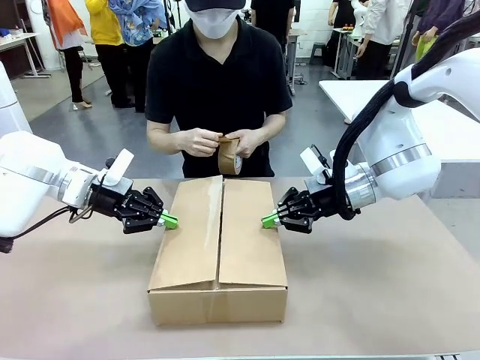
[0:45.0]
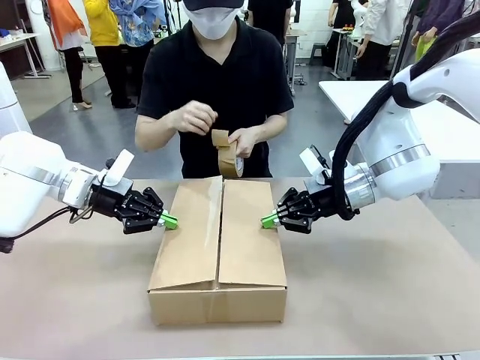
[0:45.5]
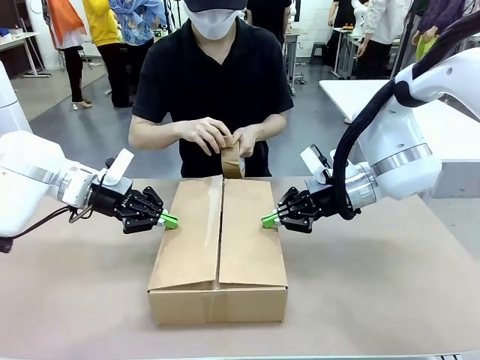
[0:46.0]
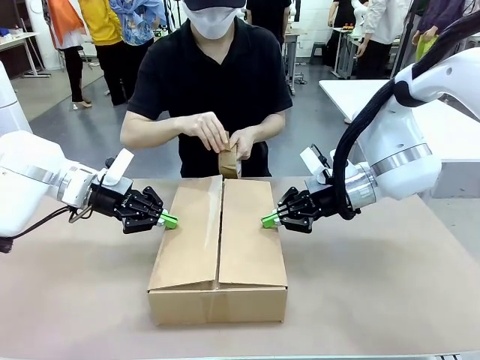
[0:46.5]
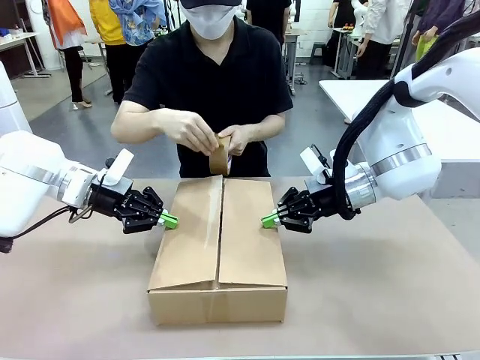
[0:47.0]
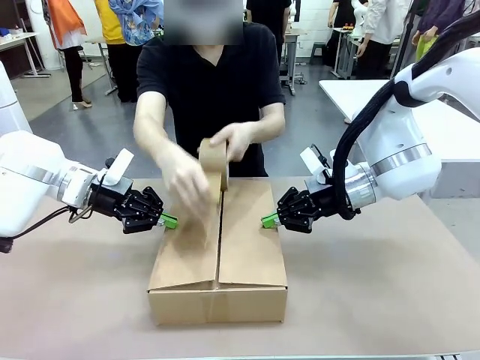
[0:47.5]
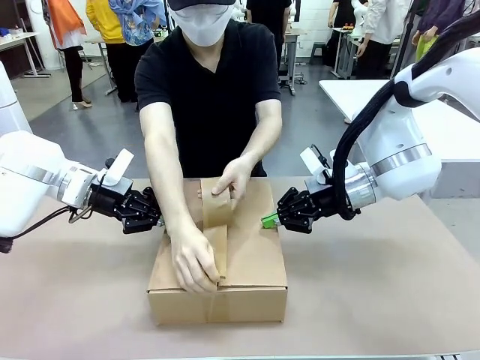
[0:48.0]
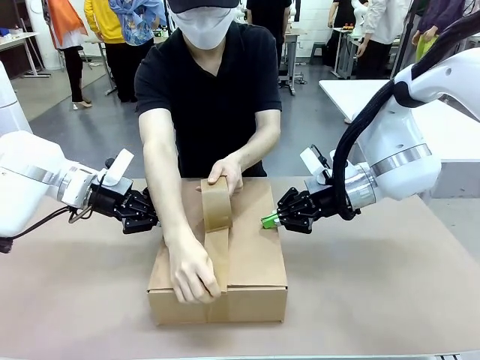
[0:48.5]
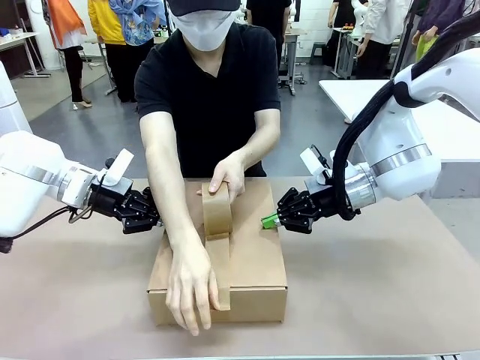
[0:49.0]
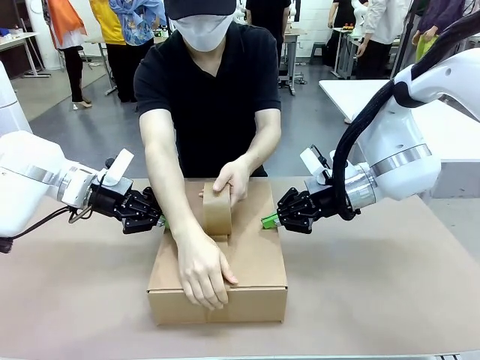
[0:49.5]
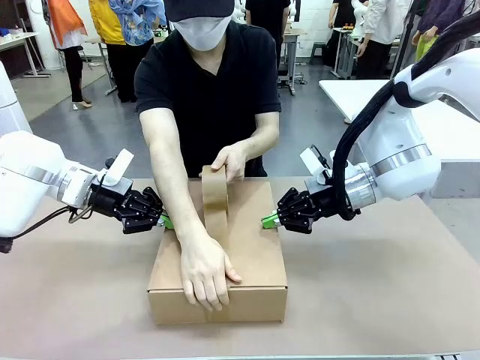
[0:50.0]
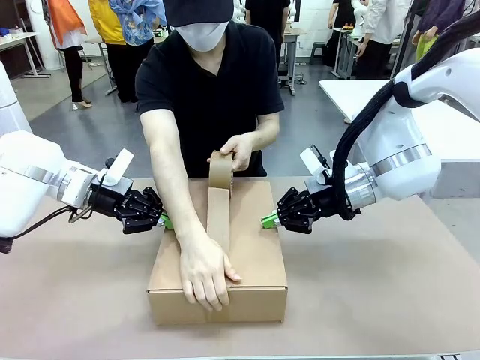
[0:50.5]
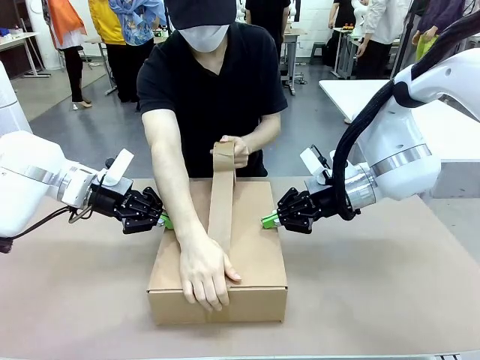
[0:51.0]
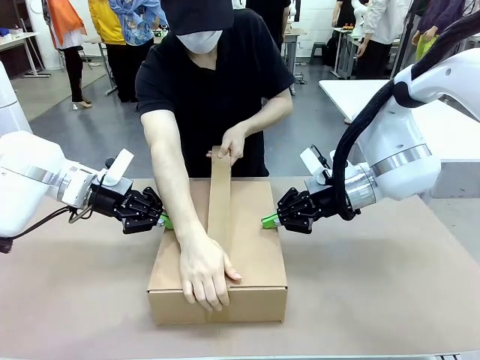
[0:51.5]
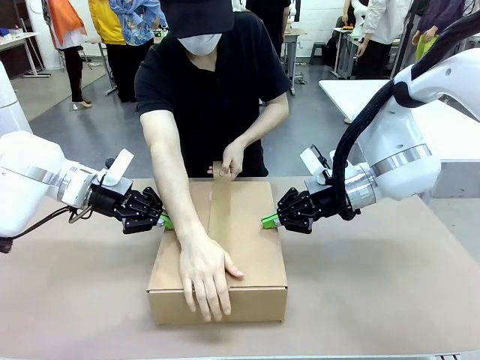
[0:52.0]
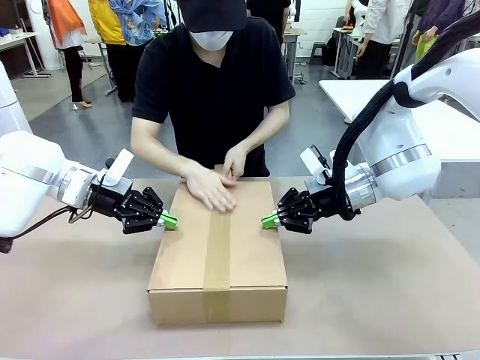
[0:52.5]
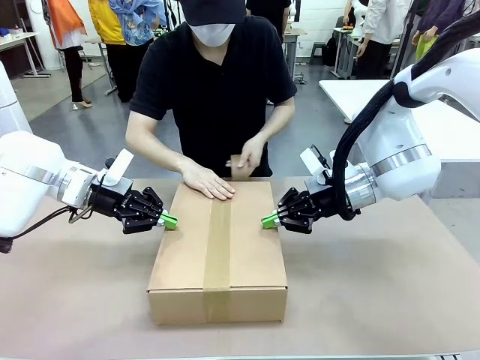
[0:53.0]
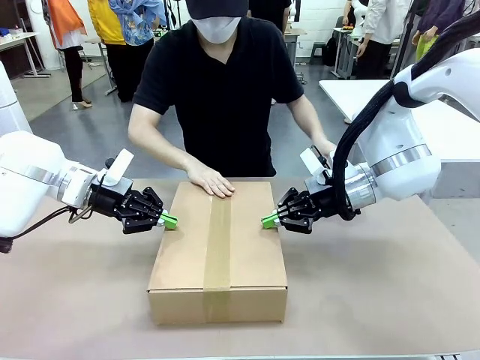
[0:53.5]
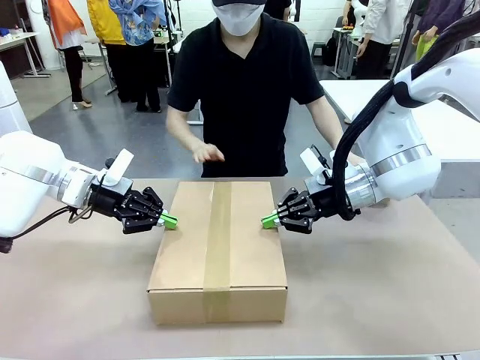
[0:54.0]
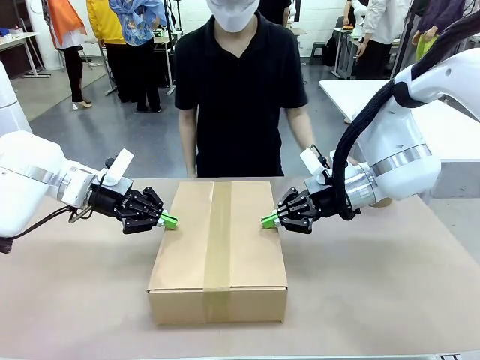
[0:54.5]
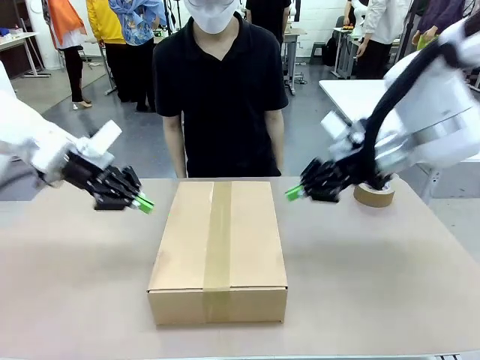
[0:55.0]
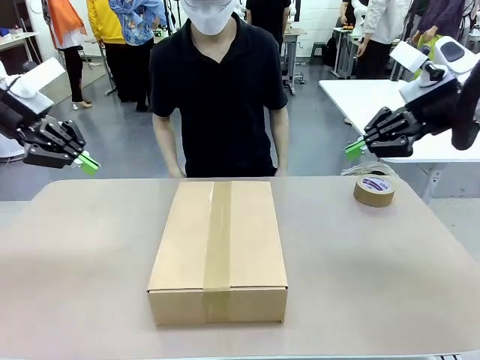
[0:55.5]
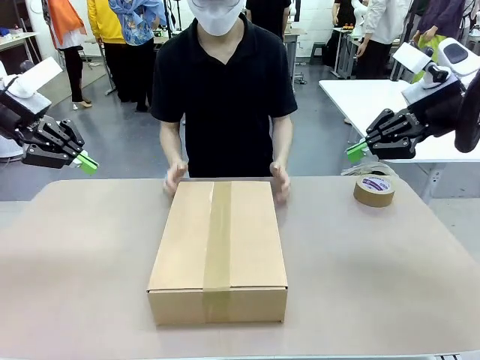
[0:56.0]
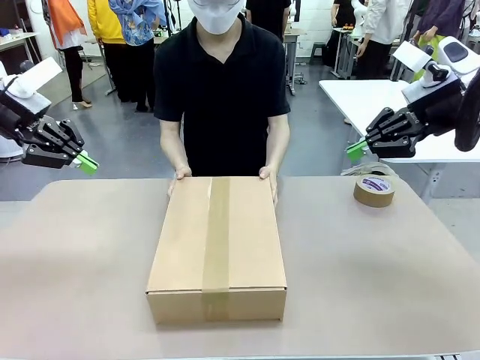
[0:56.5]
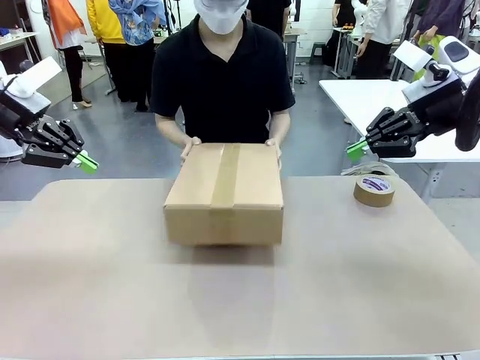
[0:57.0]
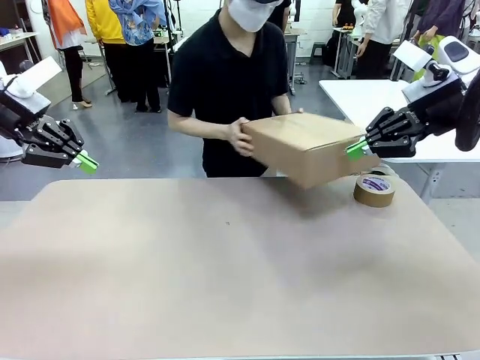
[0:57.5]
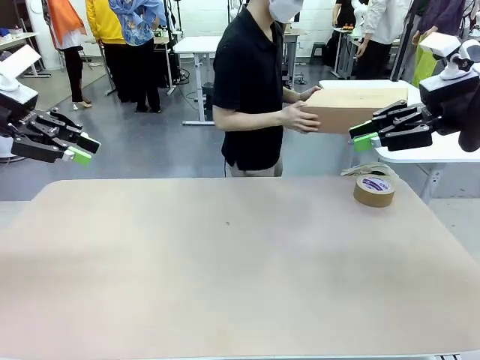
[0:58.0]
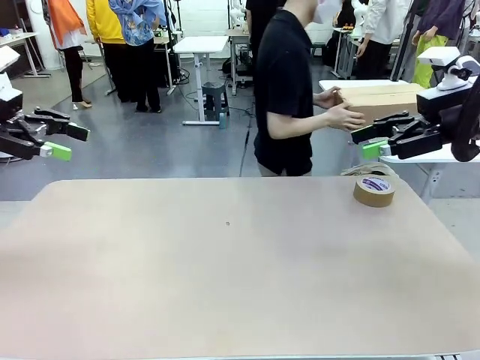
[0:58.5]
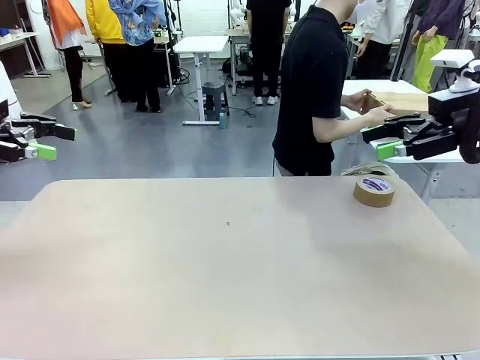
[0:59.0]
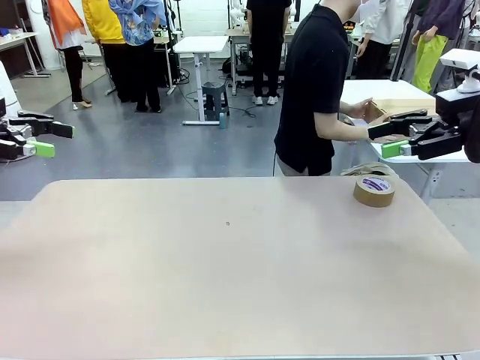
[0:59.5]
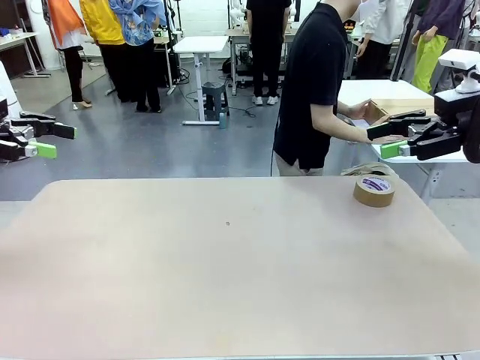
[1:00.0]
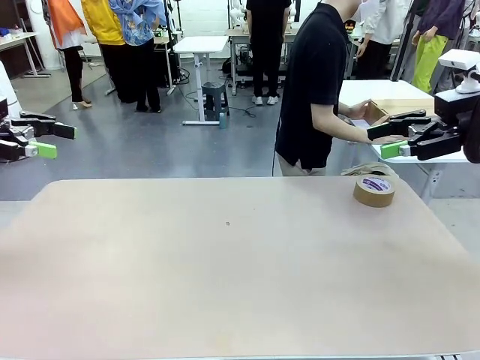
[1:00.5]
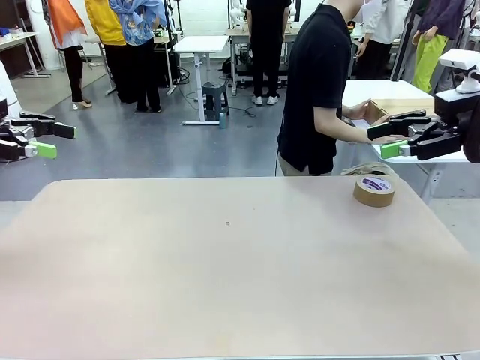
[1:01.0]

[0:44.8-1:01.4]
Task: Wrap the clocks to prevent damage.
Robot: After the human seals the box with tape, release both hands from the side flaps of the Package Box.
Person: Once the robot closes the left flap of the Package Box , seal the box with Paper Tape. Place sealed Package Box in the middle of the human's table.

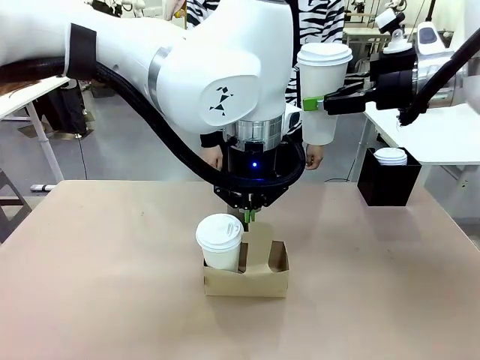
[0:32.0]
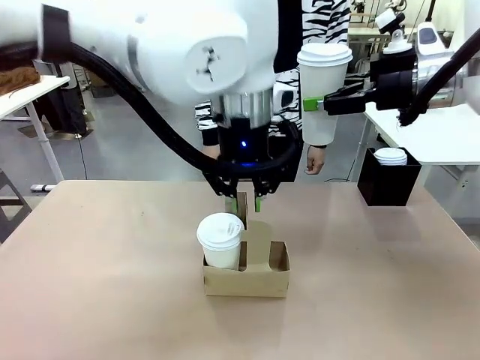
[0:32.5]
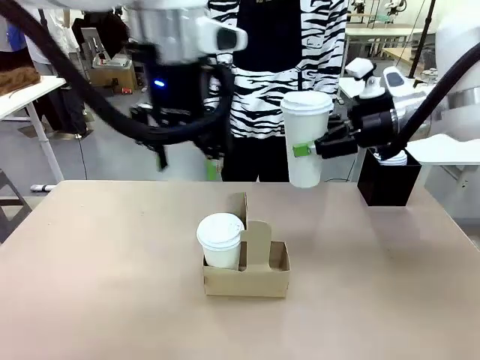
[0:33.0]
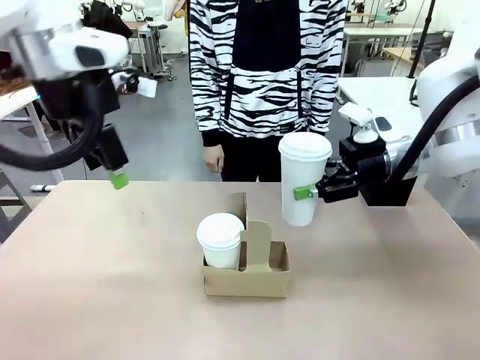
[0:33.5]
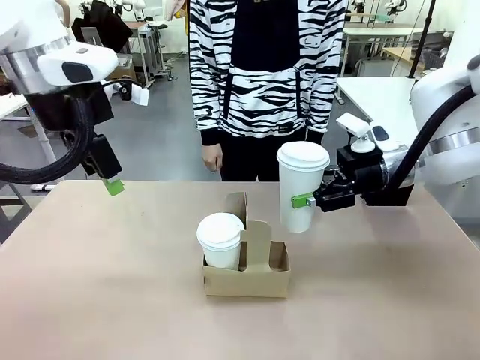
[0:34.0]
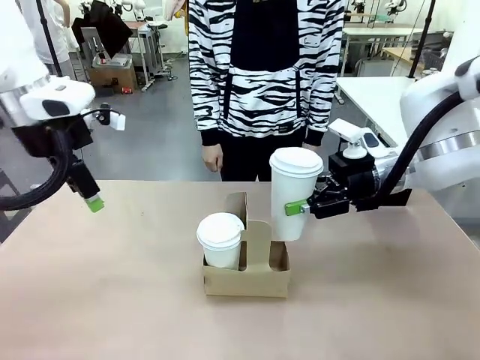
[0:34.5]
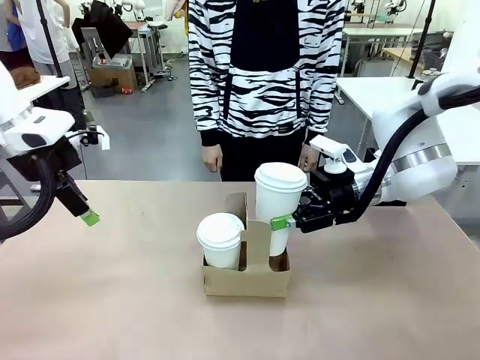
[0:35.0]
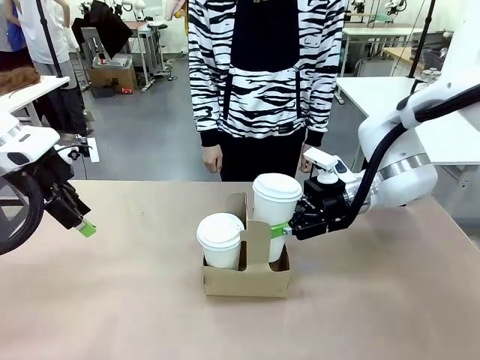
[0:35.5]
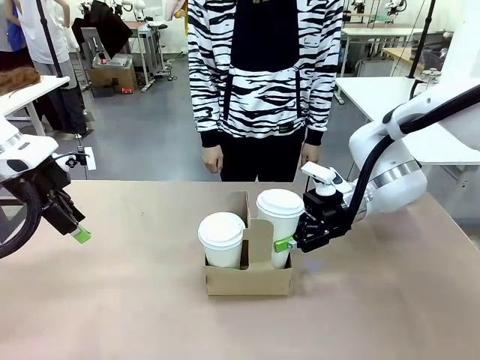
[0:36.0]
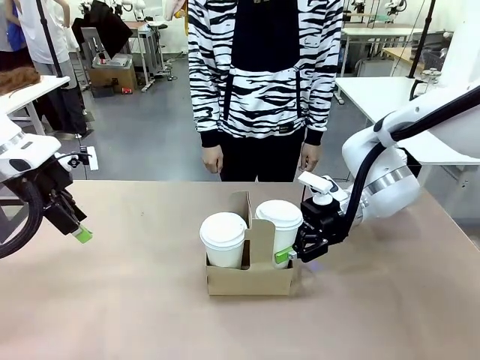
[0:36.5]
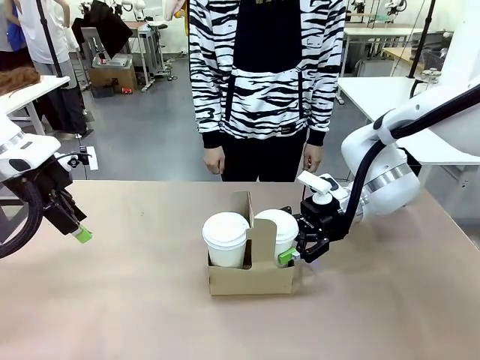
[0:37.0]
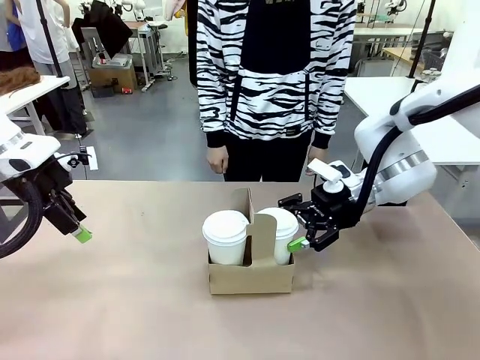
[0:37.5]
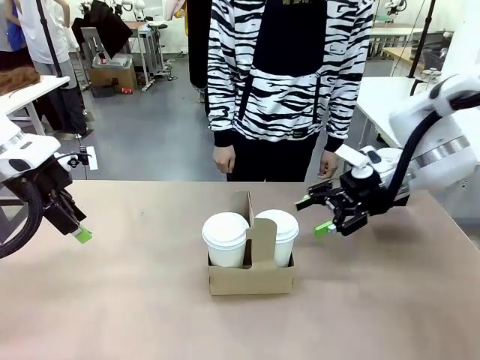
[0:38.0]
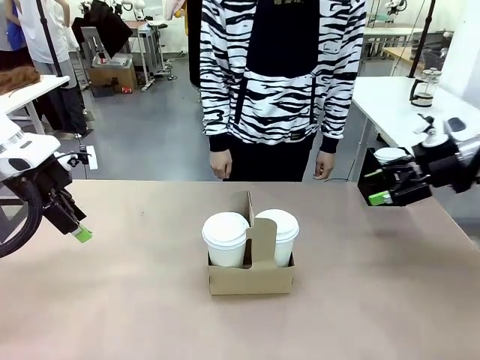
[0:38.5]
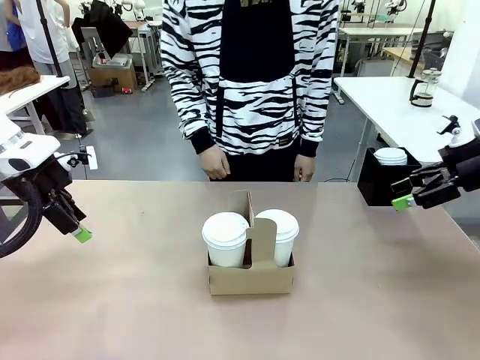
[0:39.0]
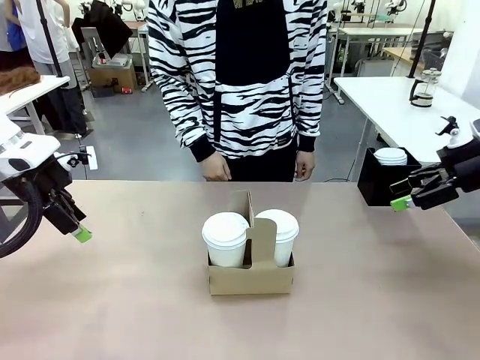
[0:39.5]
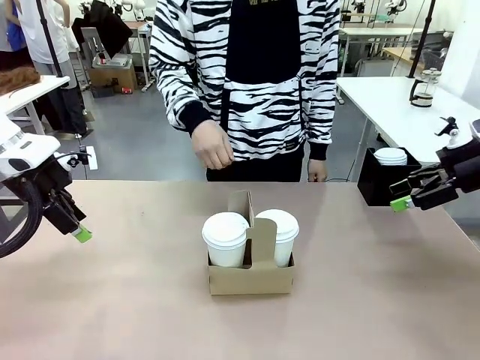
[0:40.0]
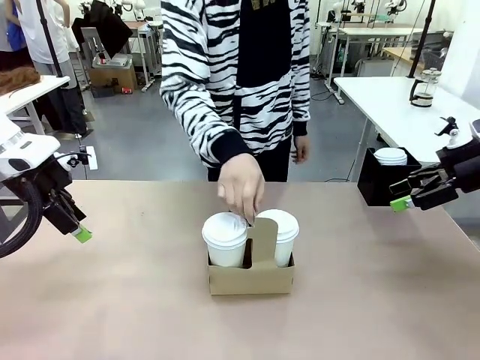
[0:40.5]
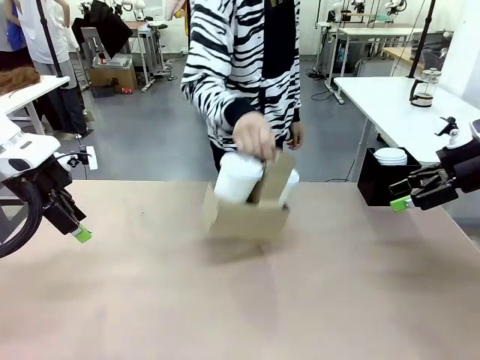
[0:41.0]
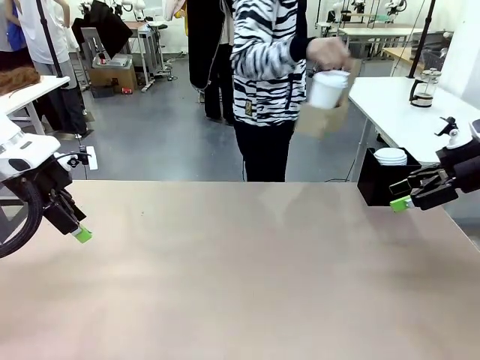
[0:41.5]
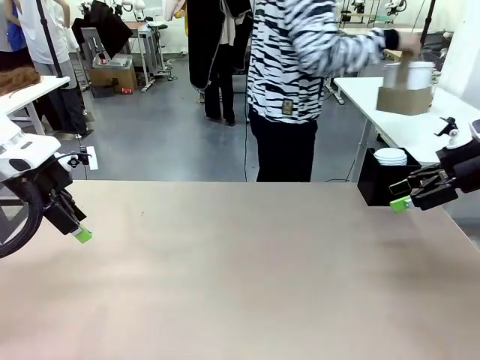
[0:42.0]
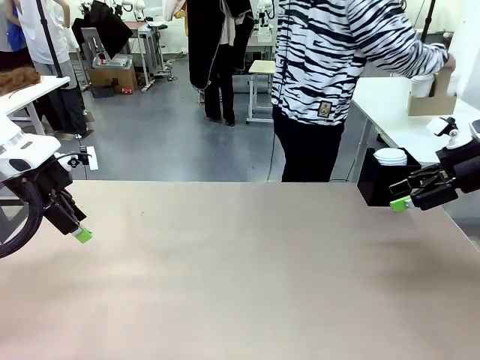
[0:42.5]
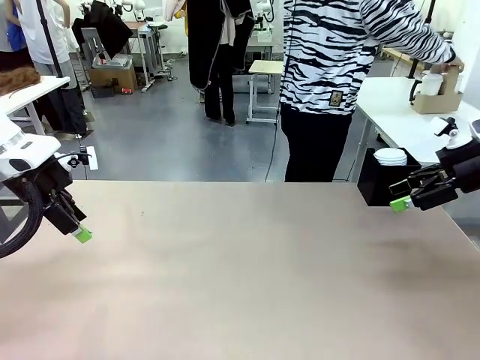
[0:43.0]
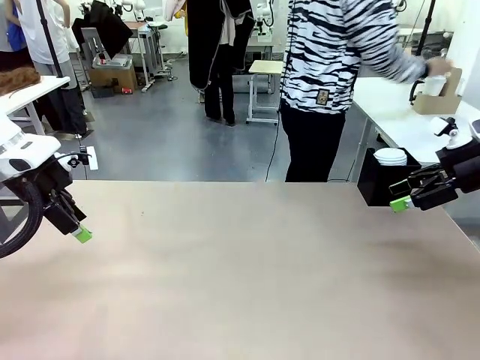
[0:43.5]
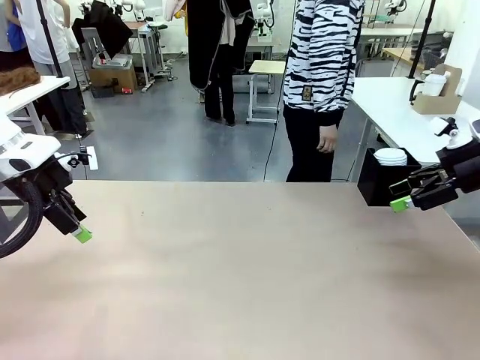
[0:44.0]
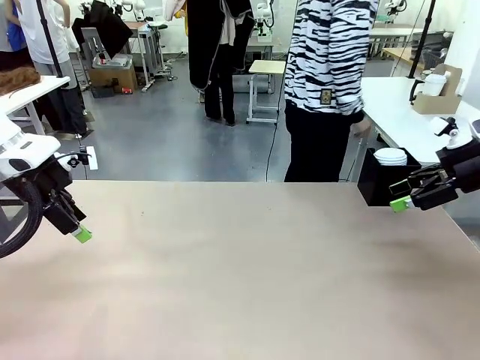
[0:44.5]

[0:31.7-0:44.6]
Task: Pour a drink into a cup and package it in a carrier.
Robot: Insert the held 600 ml Paper Cup into the Cup Carrier.
Person: Place the Cup Carrier to the middle of Human table.
